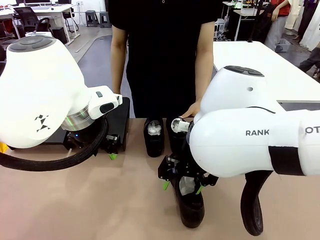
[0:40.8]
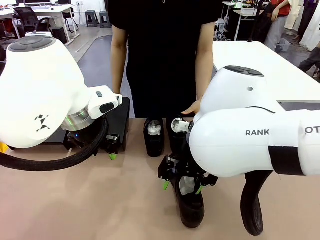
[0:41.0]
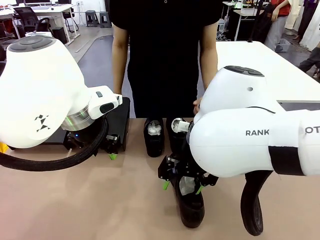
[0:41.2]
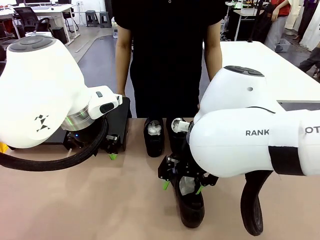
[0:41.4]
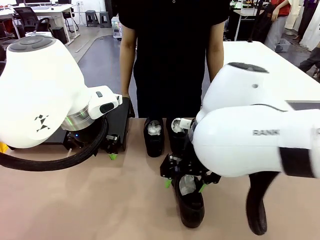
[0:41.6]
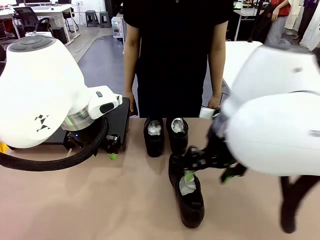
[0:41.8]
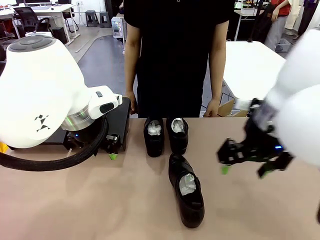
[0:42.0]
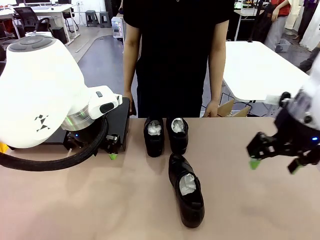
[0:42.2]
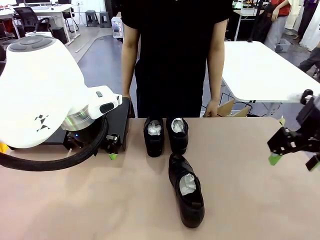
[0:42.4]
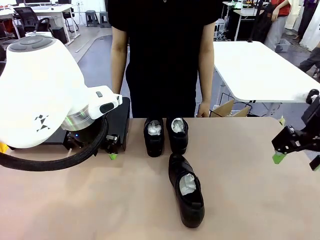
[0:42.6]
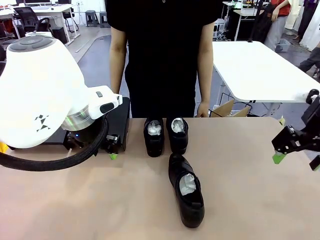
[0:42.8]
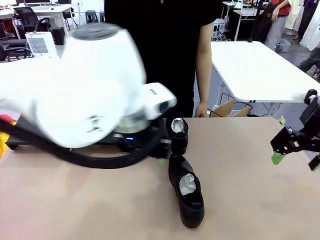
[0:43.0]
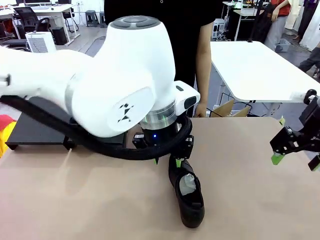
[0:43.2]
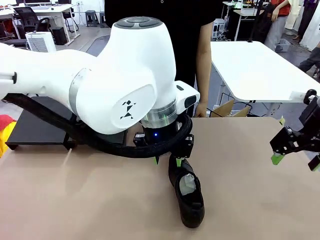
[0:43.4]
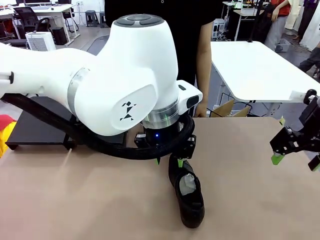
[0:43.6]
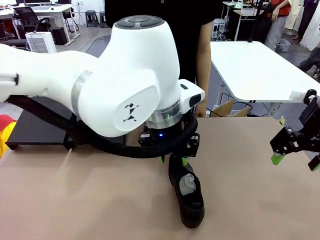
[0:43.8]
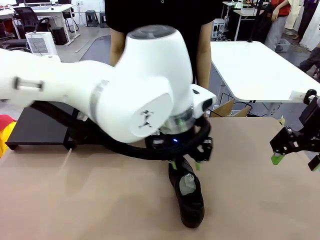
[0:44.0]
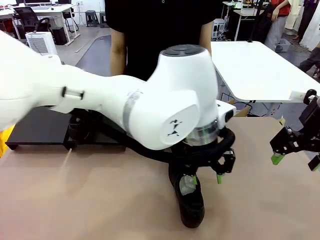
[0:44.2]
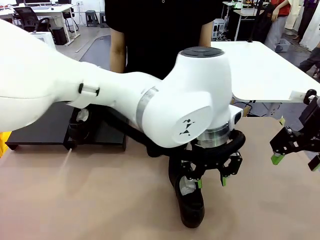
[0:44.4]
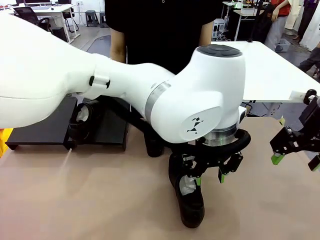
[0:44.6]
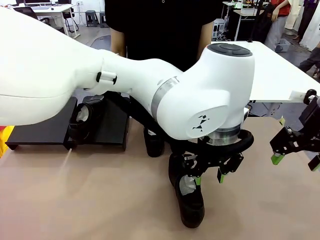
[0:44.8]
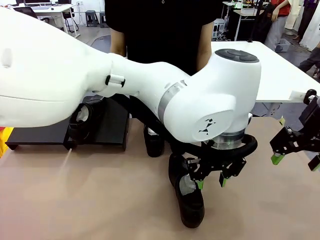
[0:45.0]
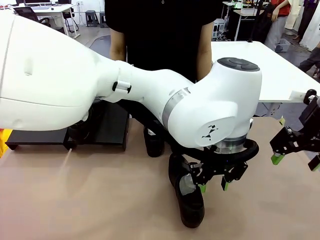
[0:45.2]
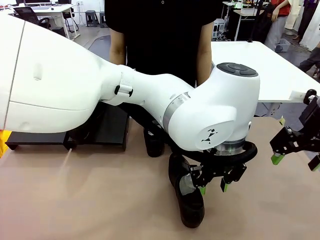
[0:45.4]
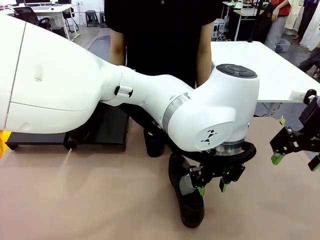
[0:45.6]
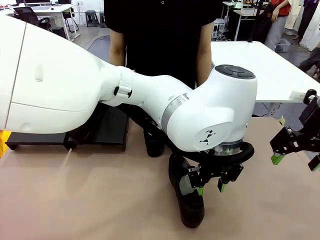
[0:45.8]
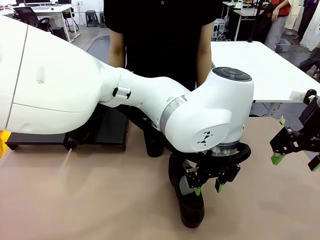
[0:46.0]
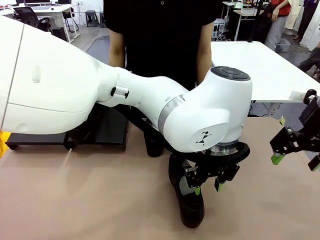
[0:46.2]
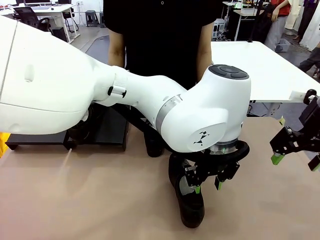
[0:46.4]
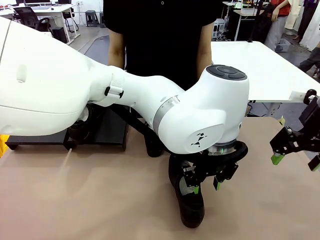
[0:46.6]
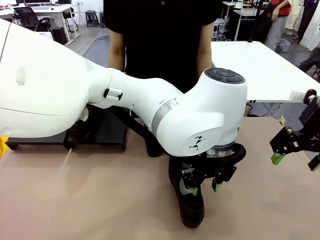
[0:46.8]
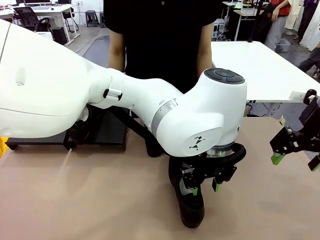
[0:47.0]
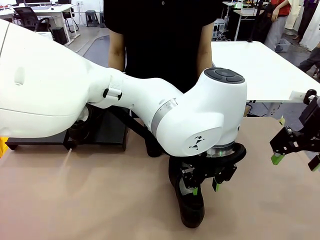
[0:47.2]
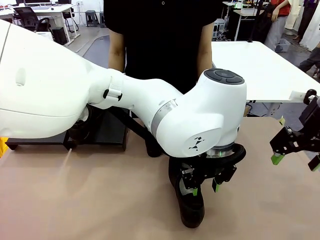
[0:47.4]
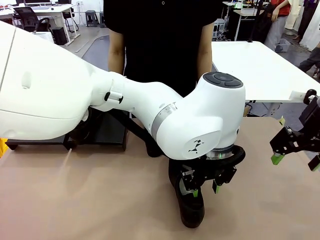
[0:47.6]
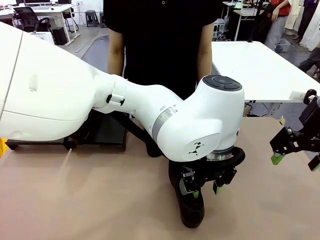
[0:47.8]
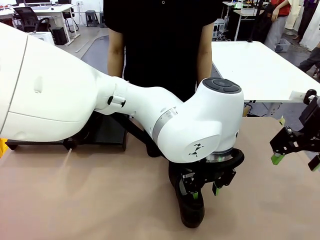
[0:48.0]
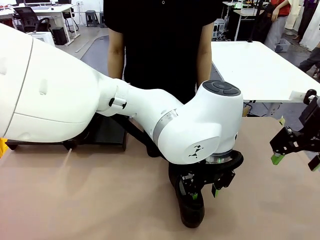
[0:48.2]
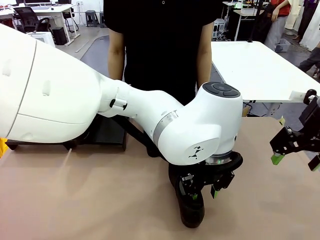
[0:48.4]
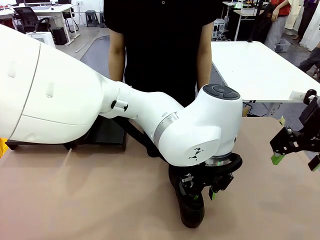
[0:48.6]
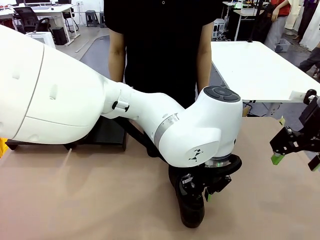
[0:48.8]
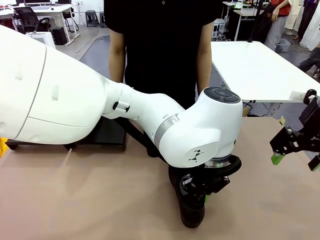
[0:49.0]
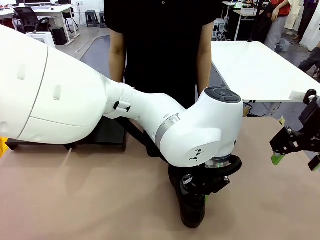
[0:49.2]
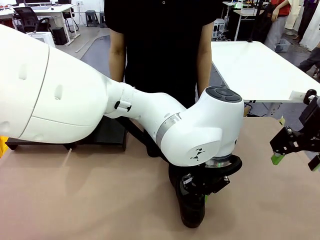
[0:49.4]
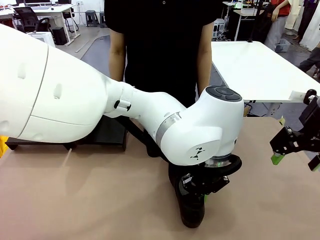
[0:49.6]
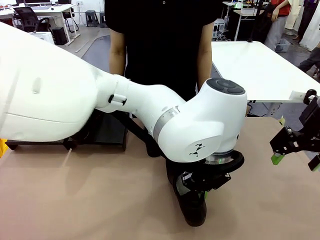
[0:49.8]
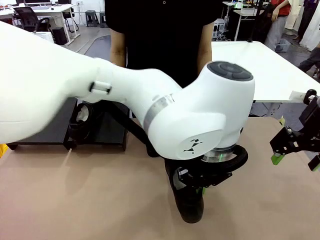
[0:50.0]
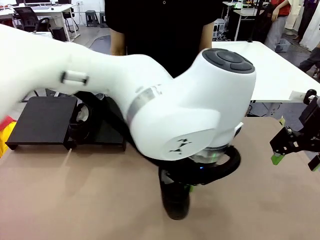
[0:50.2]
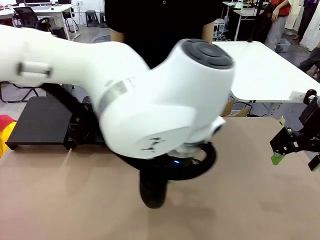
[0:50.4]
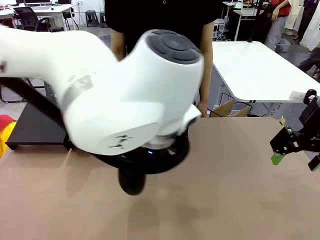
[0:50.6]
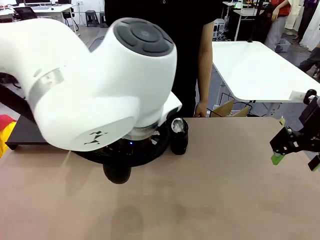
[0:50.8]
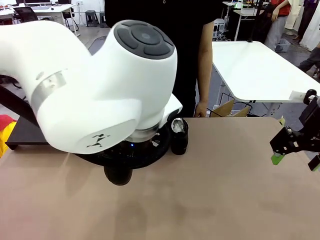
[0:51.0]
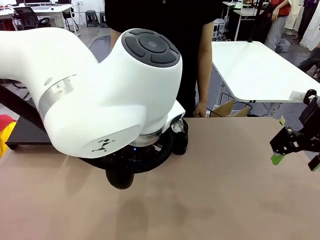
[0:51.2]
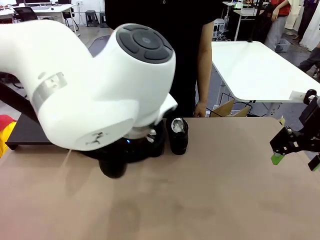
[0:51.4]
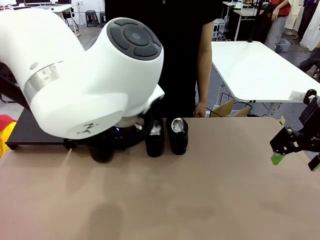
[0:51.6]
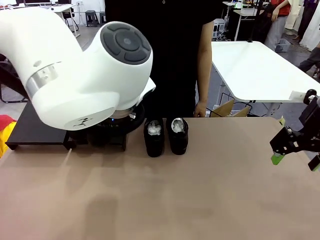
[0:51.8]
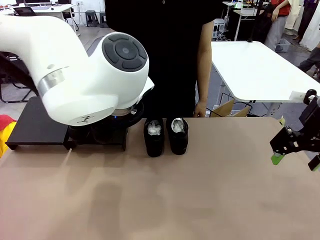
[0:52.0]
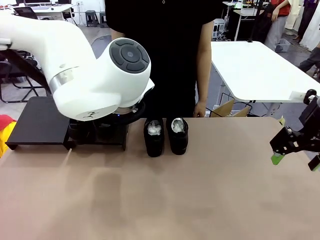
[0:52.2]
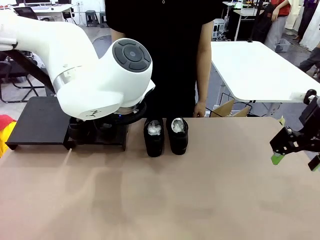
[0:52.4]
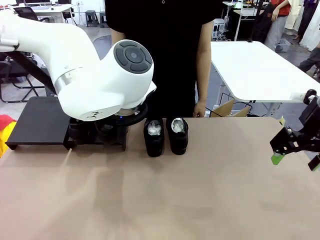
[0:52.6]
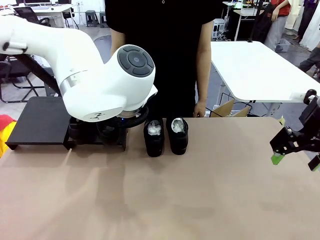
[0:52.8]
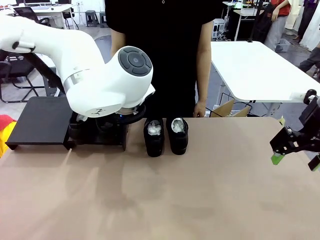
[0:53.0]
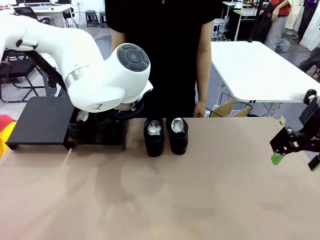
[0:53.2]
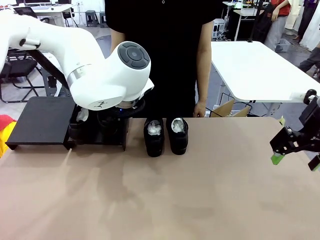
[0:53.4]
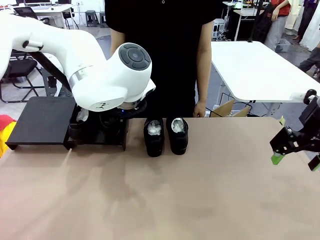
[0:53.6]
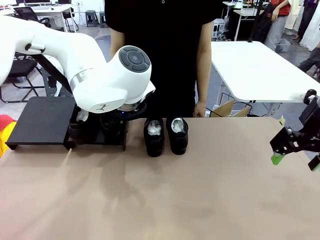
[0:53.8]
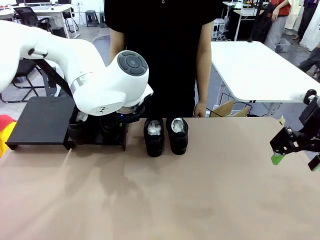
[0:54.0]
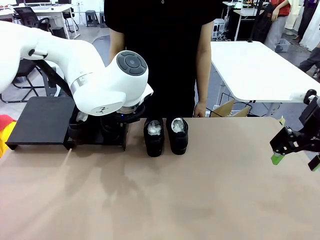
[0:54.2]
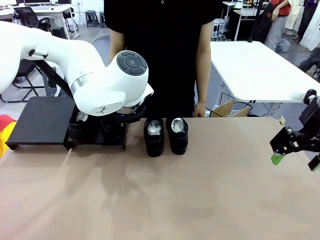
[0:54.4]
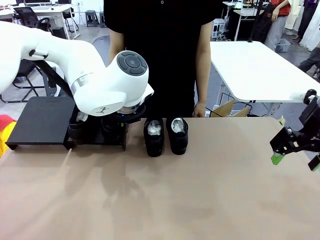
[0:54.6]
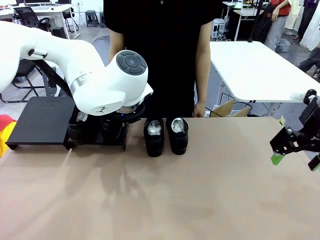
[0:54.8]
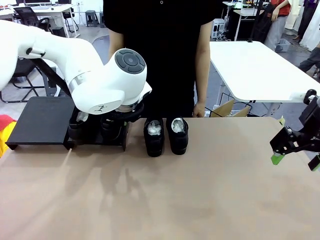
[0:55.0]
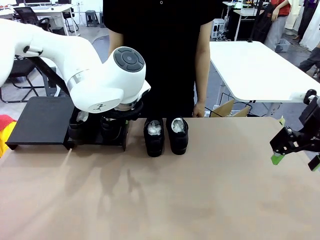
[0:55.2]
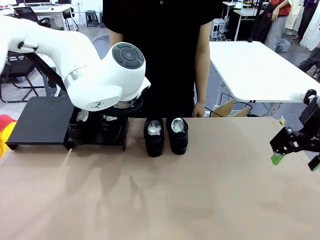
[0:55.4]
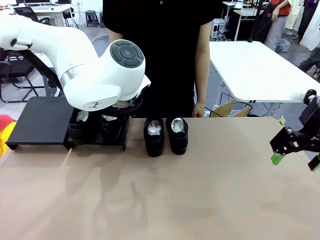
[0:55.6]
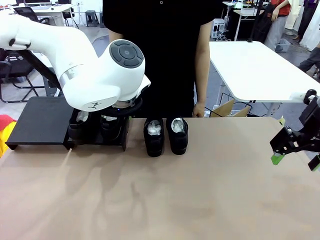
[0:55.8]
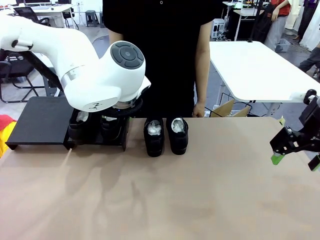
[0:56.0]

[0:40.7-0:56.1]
Task: Organize the shoes by placing them on the stand.
Robot: Place the Shoe from the middle of the table onto the Shoes Stand.

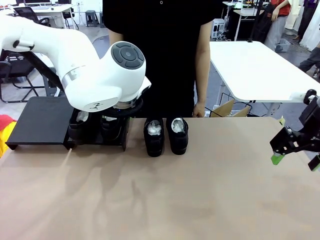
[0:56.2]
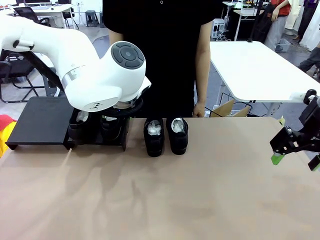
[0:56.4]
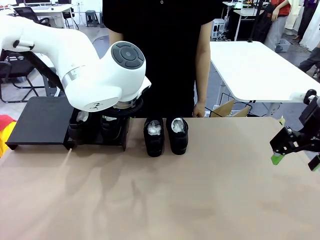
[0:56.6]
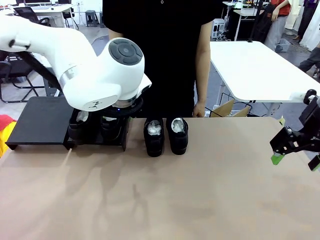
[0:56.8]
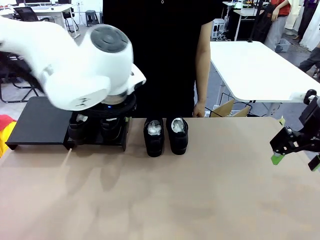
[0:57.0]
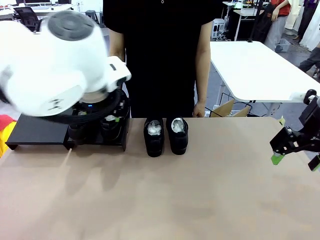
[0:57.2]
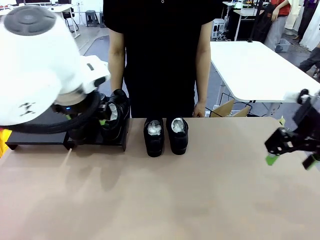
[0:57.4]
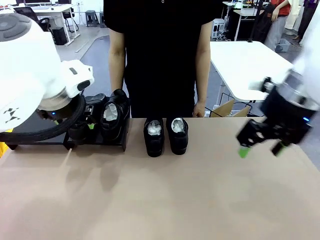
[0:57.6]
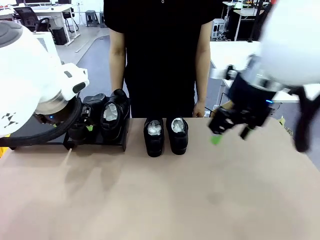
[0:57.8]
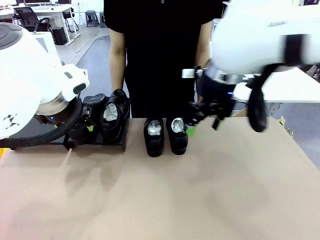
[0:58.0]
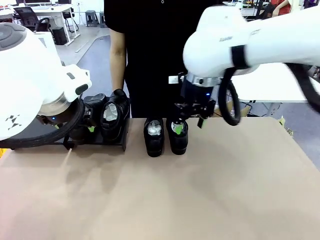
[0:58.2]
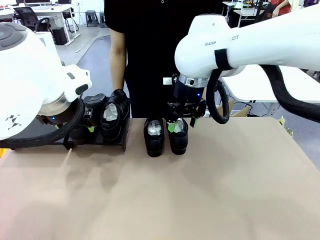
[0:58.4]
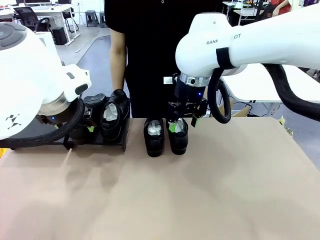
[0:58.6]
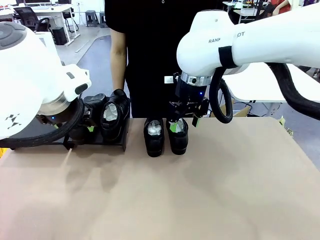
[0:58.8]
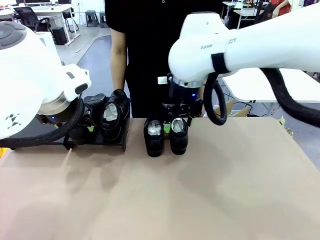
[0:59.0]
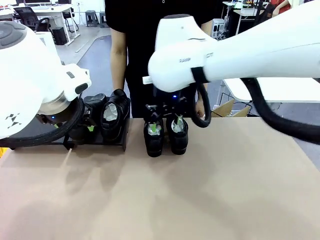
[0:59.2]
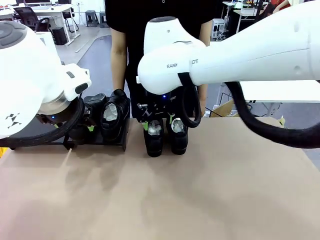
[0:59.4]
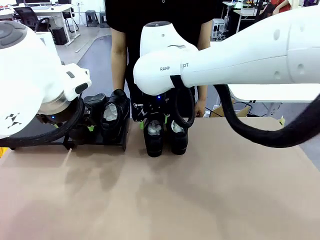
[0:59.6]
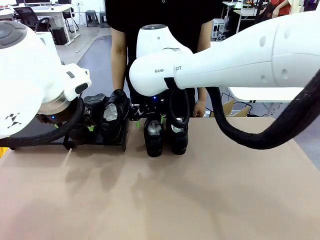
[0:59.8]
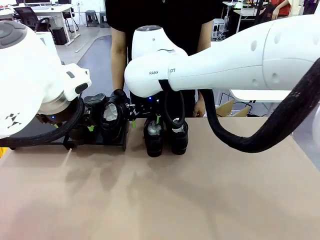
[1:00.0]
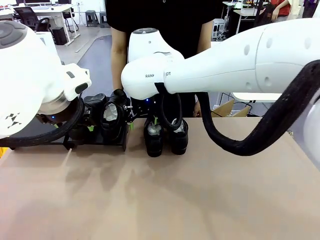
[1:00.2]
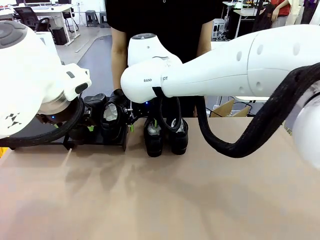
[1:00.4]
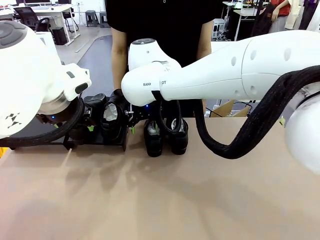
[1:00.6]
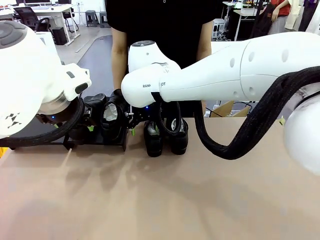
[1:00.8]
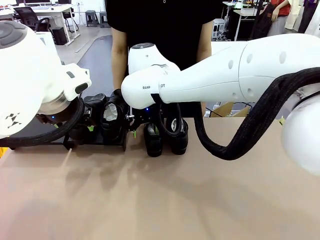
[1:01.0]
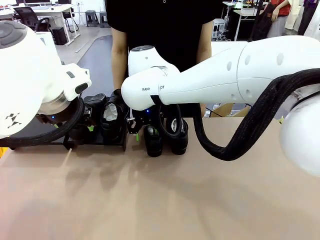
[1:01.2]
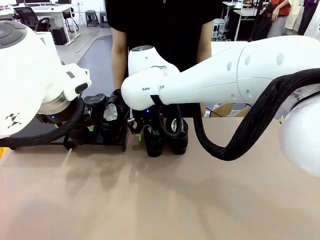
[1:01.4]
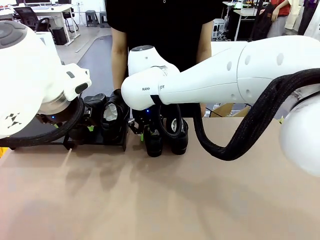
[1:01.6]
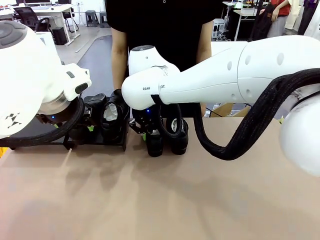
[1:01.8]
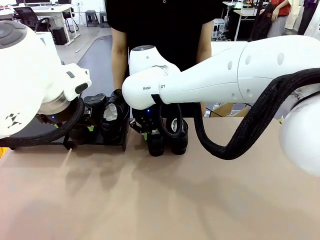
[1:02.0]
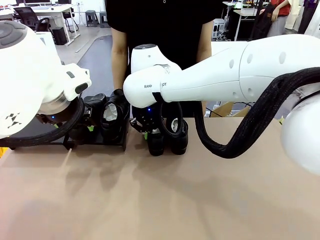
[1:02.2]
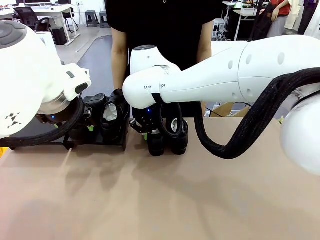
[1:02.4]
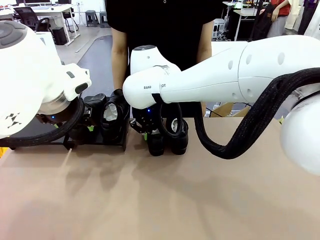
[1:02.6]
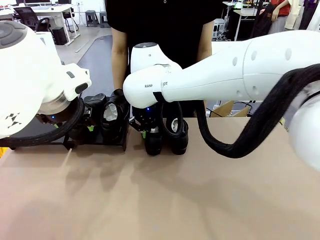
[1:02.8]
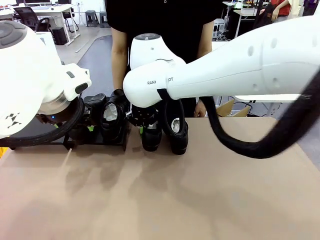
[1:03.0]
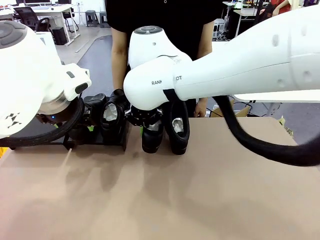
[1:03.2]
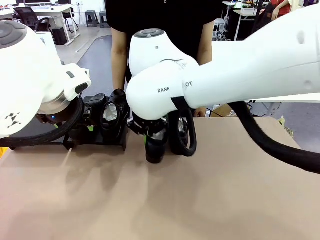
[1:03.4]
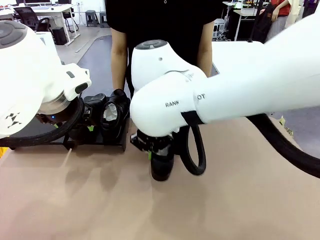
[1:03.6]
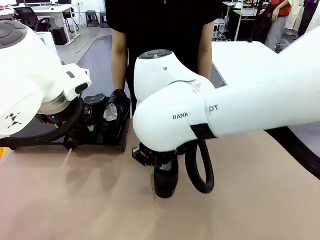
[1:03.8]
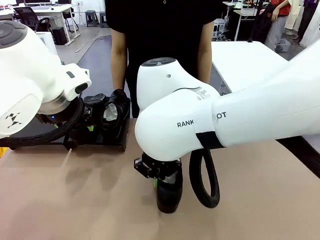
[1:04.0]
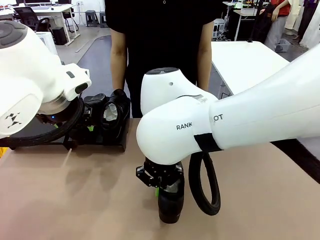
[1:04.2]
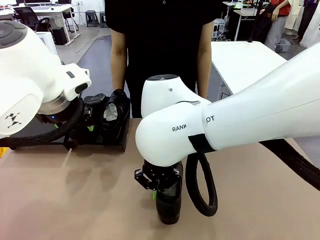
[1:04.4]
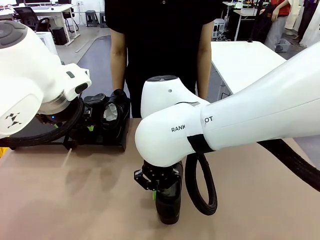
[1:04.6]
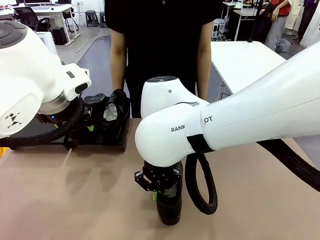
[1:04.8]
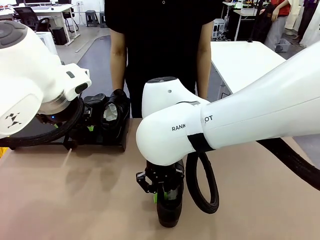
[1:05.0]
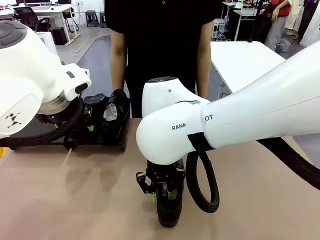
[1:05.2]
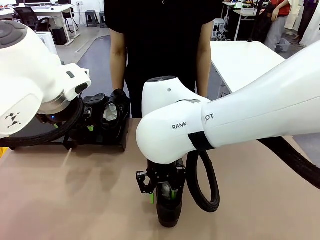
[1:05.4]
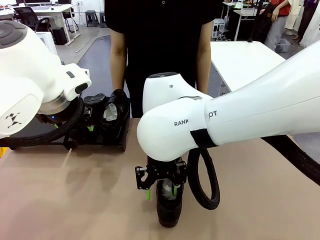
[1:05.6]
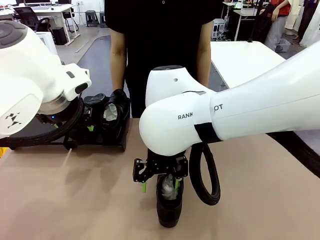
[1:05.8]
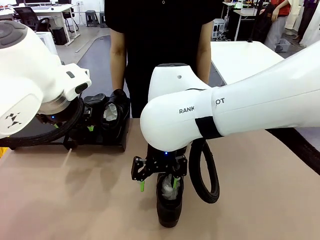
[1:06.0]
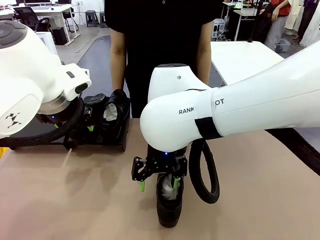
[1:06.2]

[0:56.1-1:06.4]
Robot: Pick up one Shoe and place it in the middle of the table.
